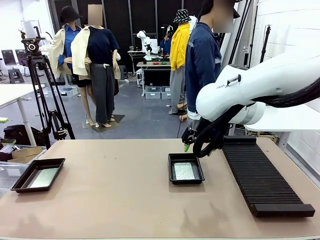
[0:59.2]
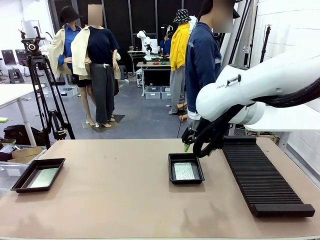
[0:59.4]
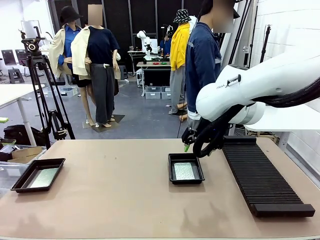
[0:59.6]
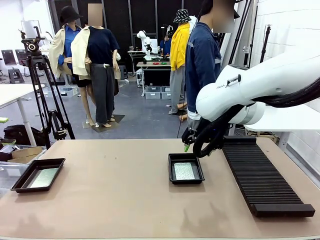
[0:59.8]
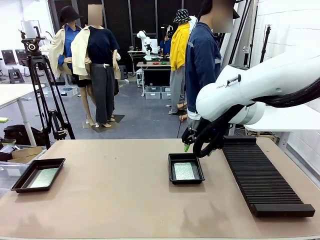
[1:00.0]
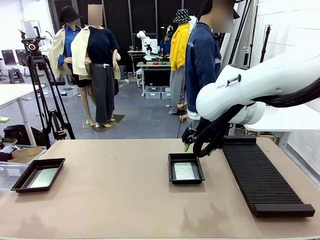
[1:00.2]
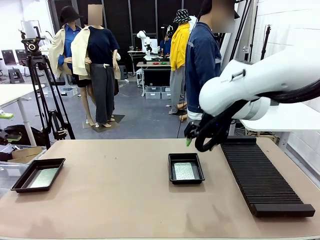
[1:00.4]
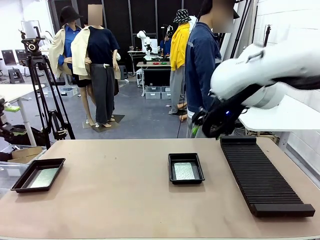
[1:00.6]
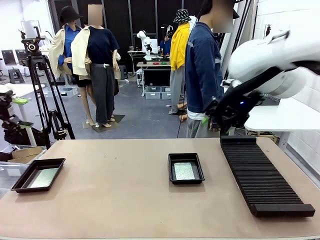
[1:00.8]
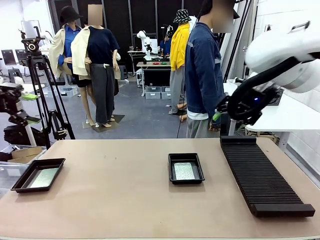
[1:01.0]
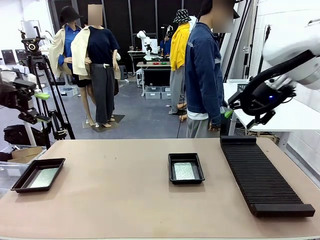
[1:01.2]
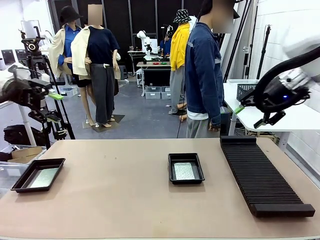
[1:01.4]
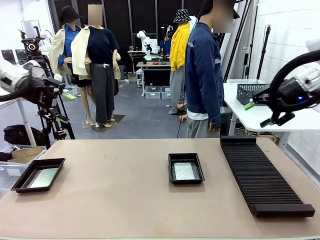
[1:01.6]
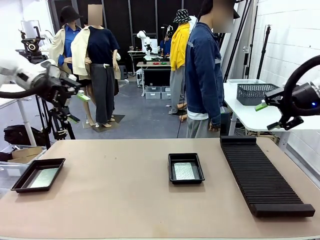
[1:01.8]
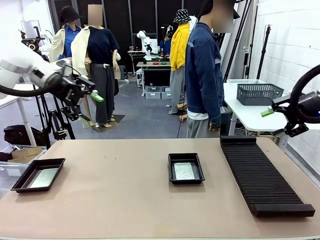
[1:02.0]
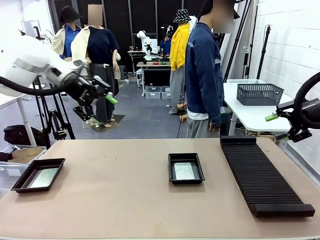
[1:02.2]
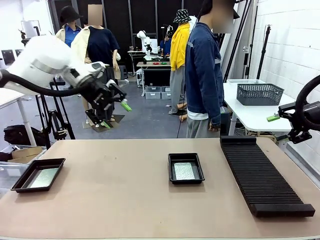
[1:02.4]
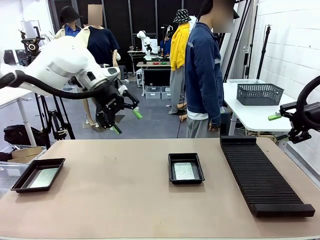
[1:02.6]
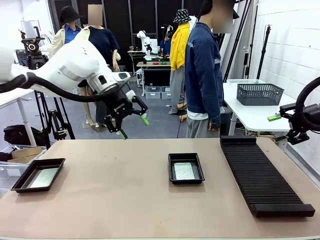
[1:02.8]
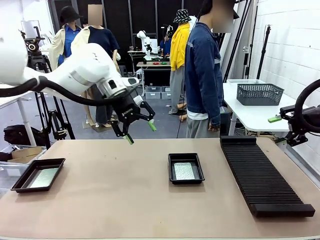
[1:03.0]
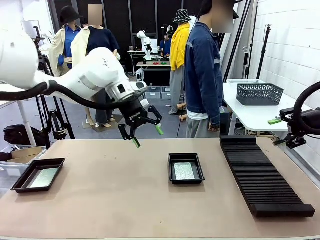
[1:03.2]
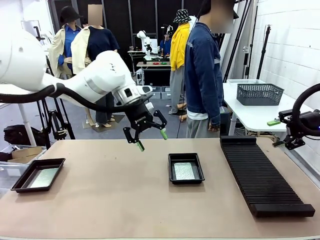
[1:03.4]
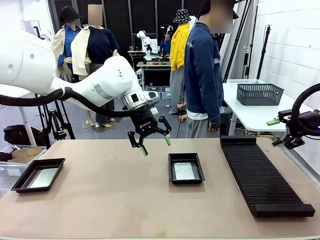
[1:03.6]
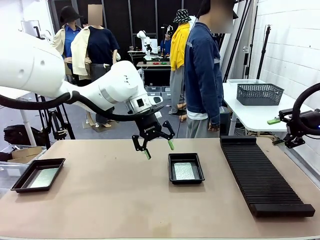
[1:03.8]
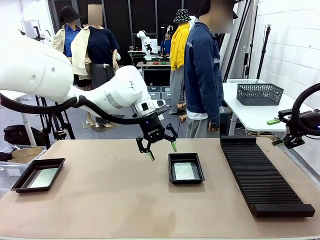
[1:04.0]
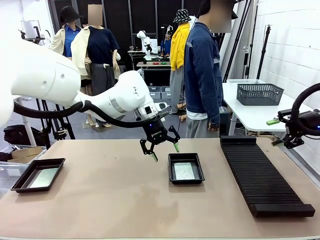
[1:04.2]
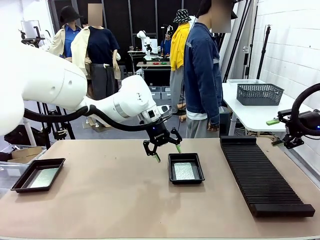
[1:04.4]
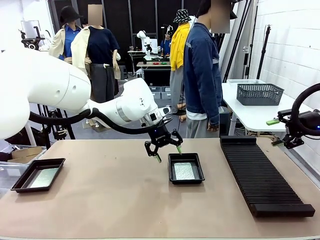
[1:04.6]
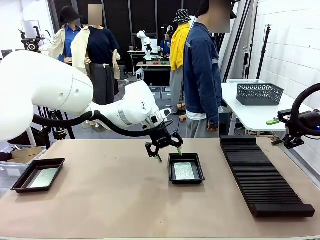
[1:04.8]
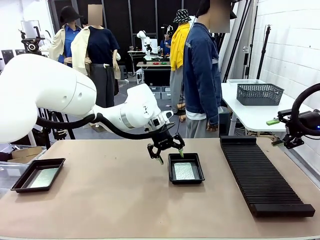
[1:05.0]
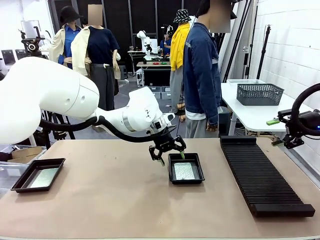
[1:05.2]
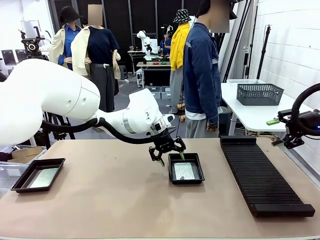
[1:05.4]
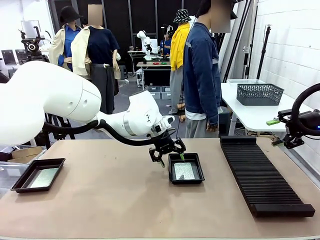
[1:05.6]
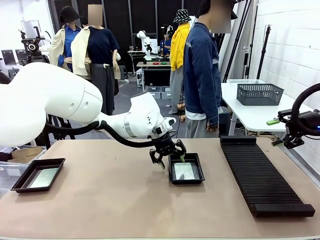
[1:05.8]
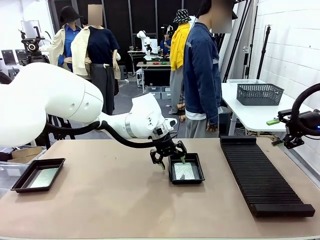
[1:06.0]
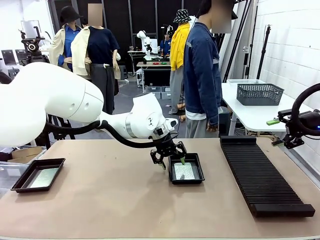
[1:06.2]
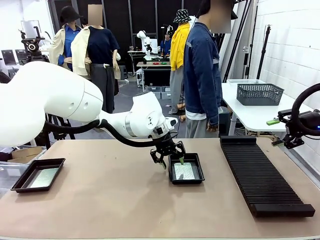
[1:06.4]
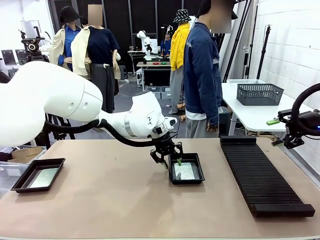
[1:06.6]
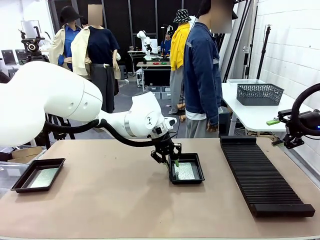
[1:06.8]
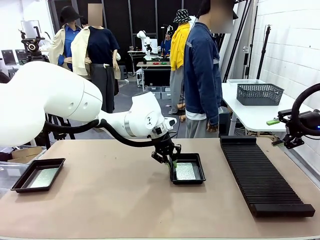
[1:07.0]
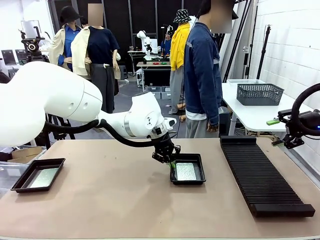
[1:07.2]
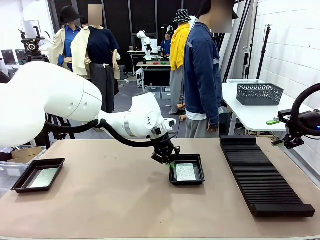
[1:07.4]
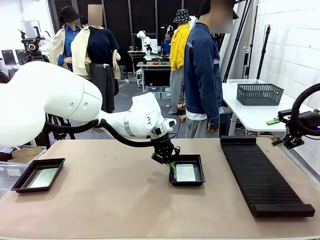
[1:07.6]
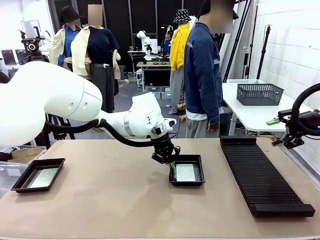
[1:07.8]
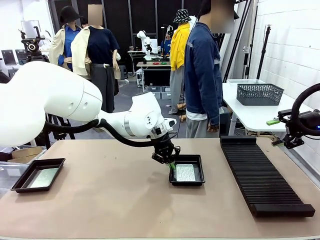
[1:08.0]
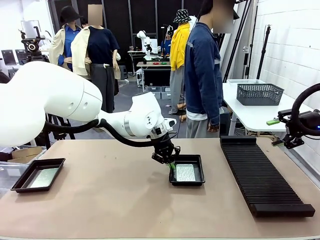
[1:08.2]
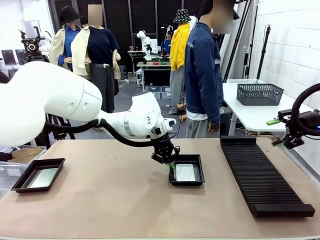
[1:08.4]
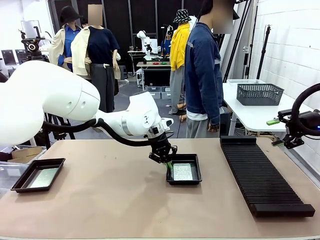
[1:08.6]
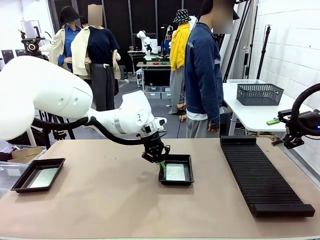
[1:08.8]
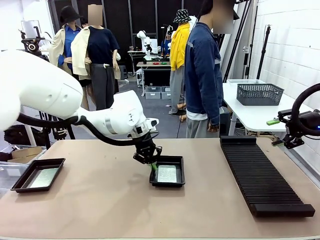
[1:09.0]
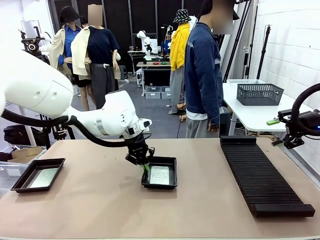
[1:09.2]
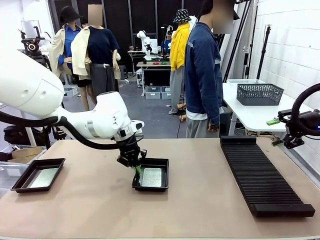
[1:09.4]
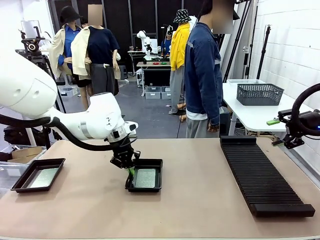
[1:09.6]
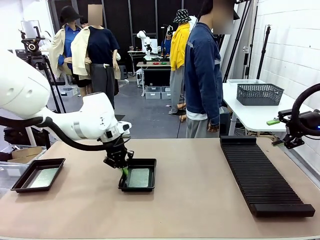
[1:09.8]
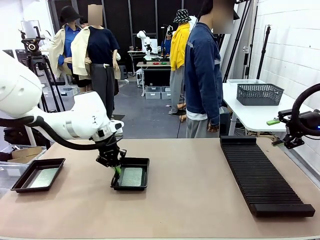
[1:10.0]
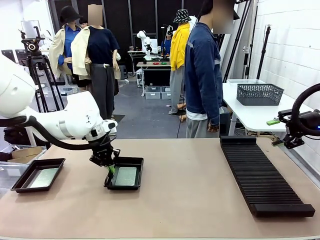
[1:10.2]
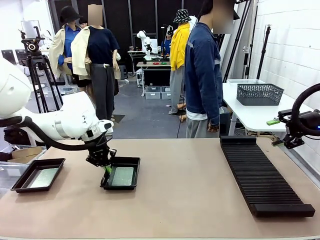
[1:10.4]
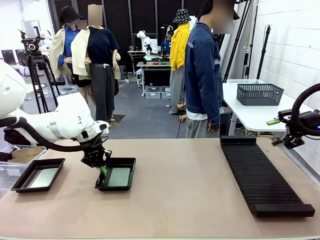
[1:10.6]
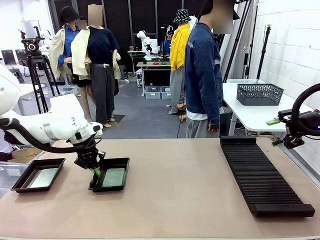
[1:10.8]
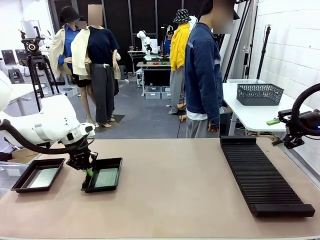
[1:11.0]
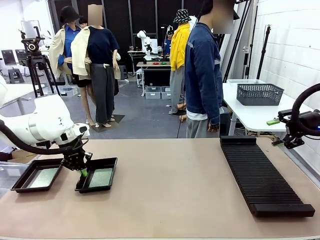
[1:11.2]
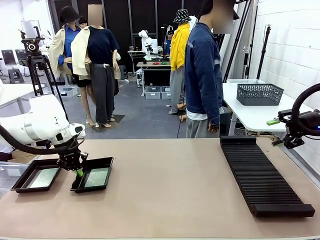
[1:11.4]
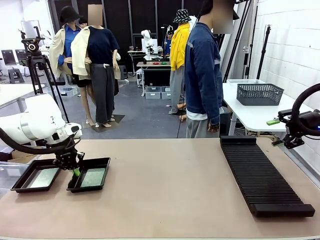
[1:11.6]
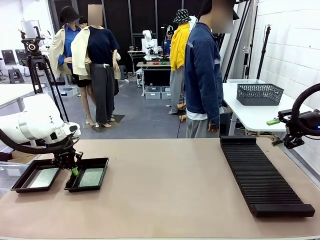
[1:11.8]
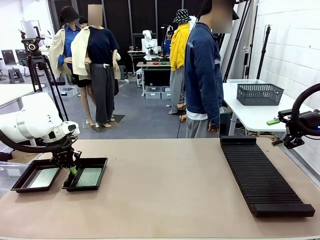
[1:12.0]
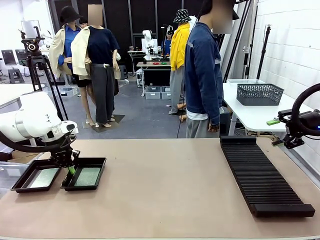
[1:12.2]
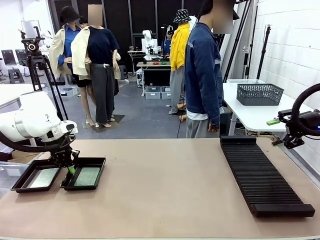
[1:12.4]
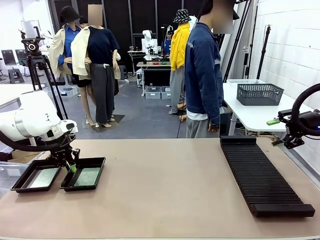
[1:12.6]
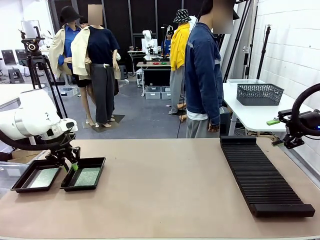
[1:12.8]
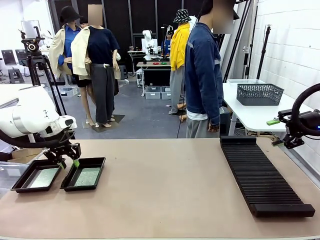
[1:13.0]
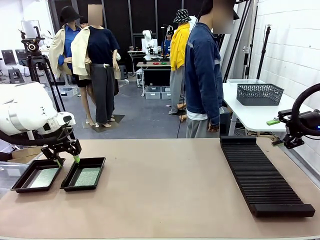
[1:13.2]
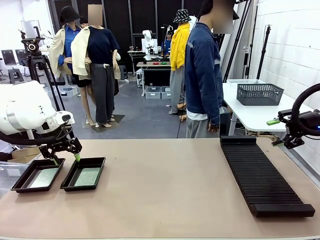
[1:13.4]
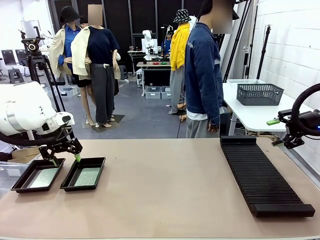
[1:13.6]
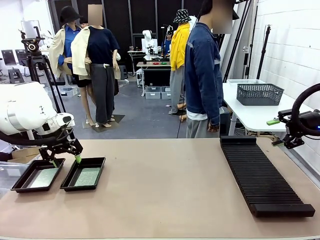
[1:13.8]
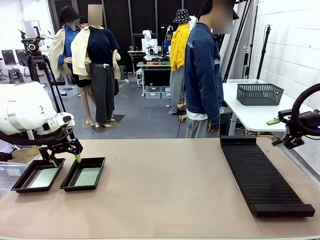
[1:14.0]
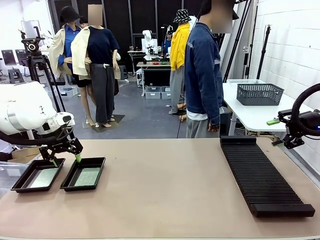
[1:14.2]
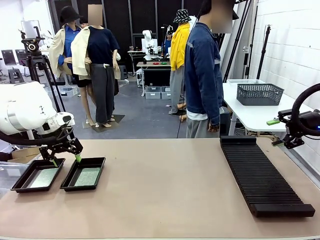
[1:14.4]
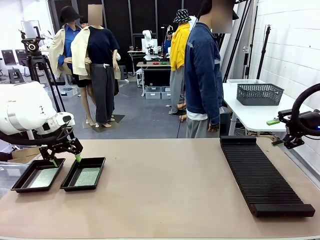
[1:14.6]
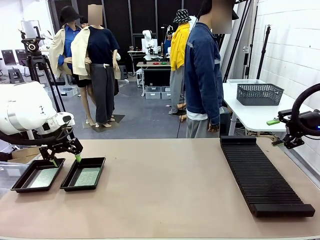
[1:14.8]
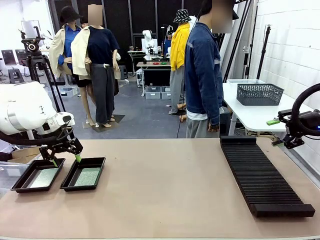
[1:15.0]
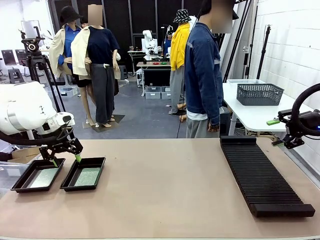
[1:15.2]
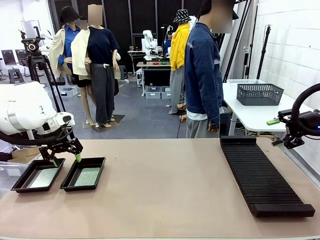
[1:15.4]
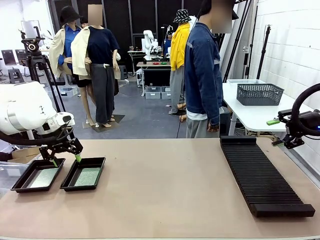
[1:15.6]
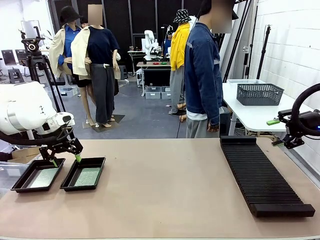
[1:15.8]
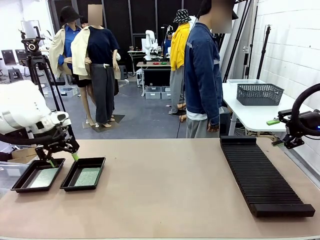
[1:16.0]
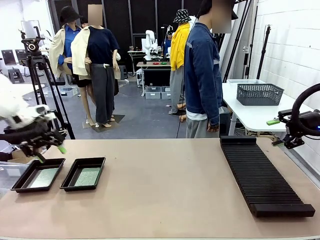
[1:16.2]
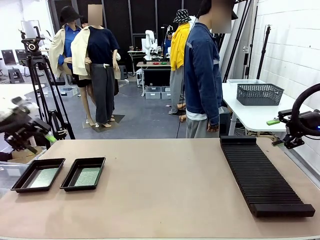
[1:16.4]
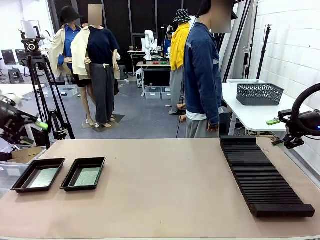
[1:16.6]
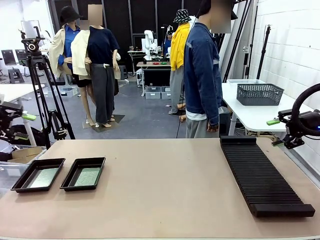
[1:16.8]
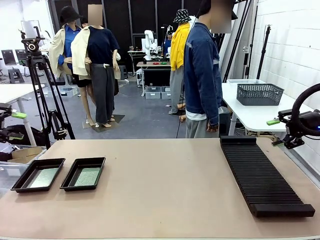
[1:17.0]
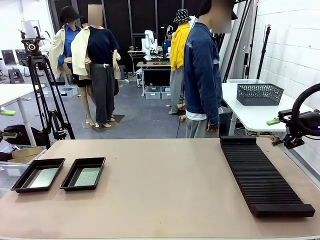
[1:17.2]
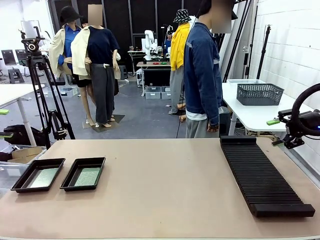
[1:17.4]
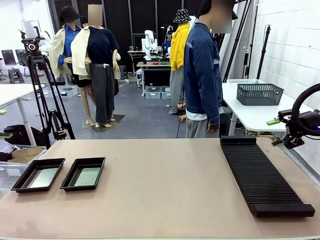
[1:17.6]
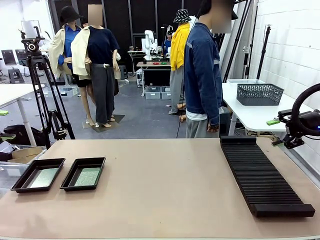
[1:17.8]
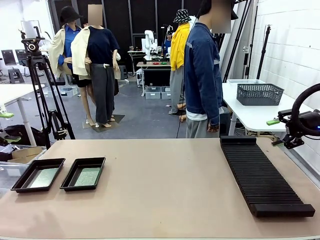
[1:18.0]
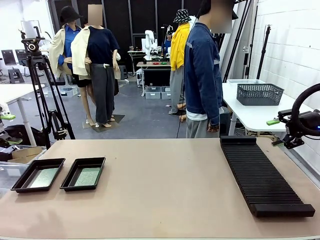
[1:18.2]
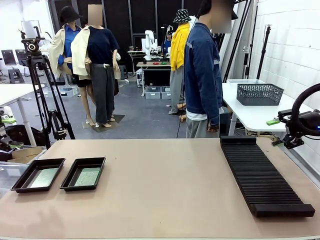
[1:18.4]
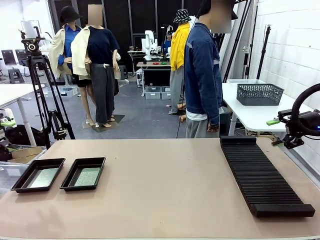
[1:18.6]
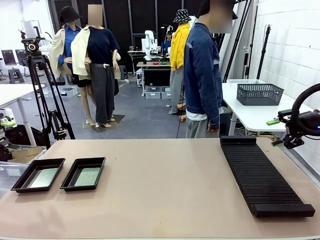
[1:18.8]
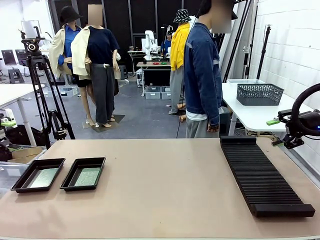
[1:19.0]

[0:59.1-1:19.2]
Task: Inspect and transfer BCBs to ESD trays.
Robot: Pick up the ESD tray and place it on the left side of the table.
